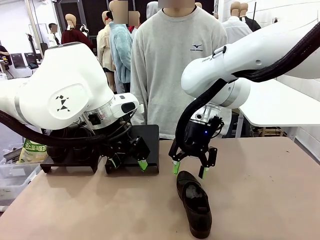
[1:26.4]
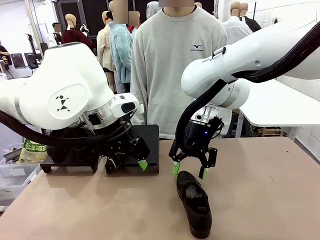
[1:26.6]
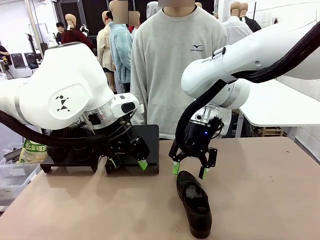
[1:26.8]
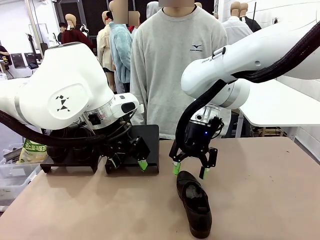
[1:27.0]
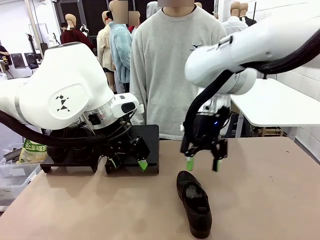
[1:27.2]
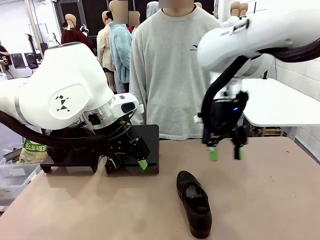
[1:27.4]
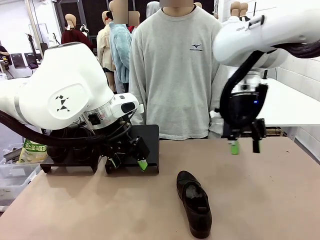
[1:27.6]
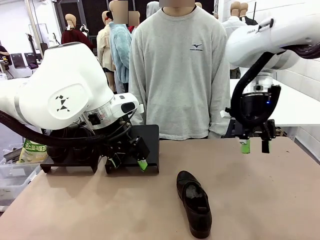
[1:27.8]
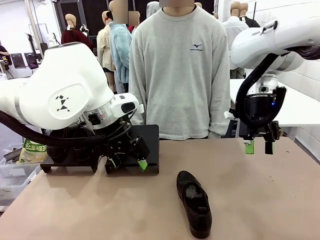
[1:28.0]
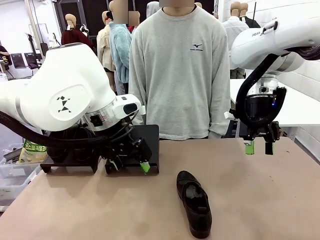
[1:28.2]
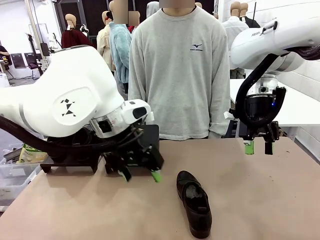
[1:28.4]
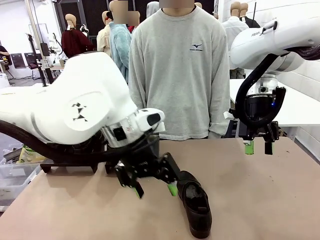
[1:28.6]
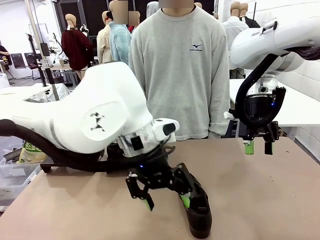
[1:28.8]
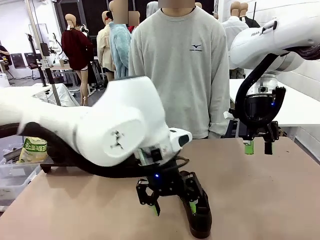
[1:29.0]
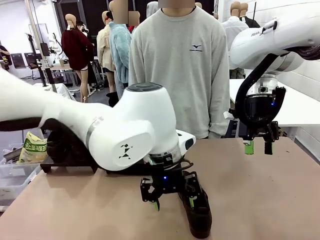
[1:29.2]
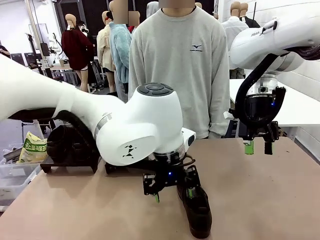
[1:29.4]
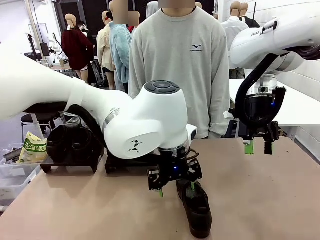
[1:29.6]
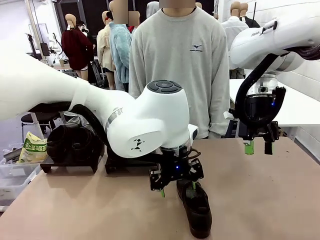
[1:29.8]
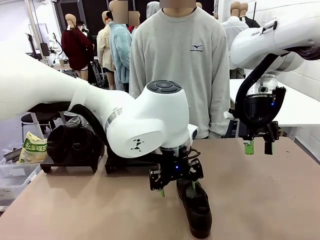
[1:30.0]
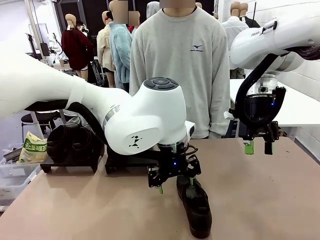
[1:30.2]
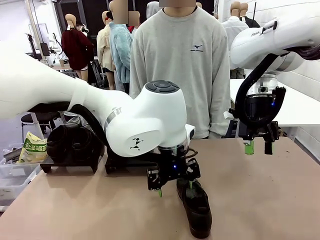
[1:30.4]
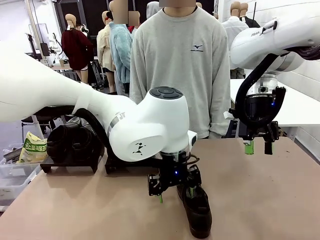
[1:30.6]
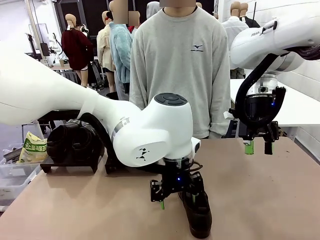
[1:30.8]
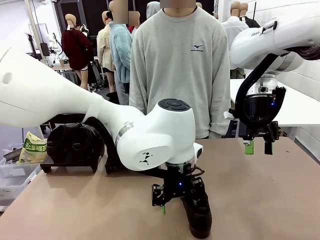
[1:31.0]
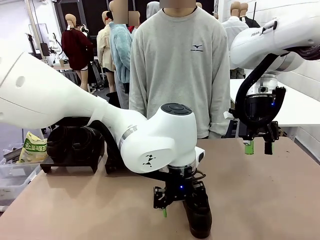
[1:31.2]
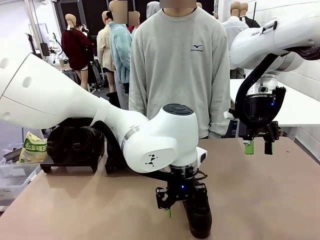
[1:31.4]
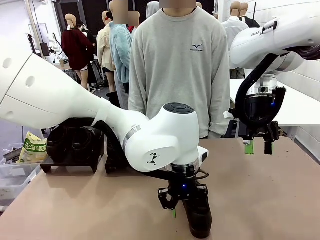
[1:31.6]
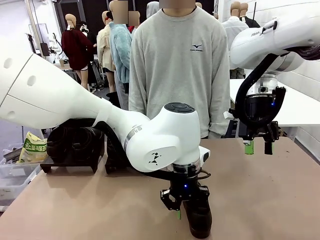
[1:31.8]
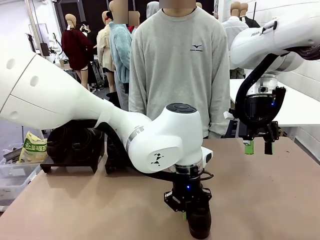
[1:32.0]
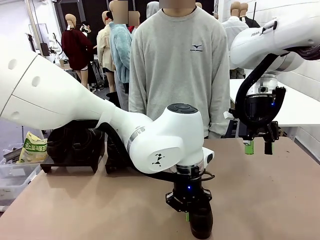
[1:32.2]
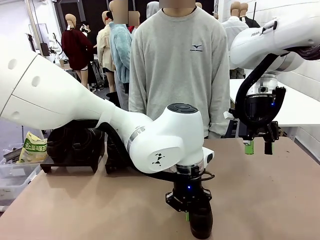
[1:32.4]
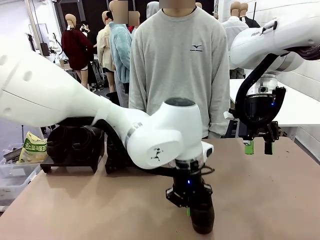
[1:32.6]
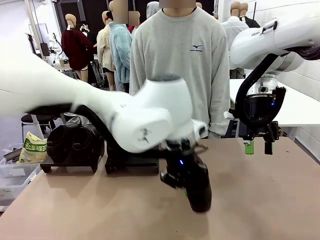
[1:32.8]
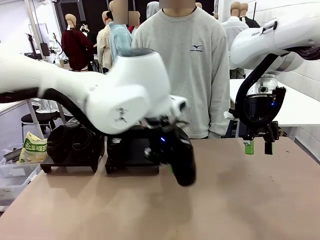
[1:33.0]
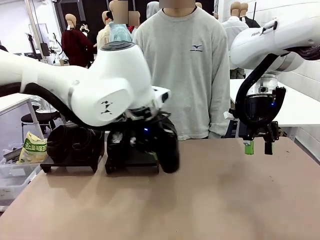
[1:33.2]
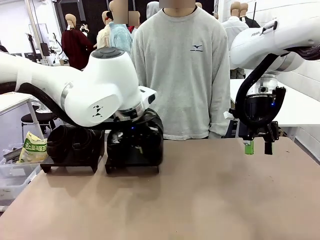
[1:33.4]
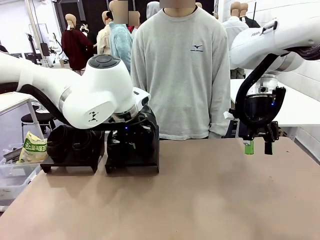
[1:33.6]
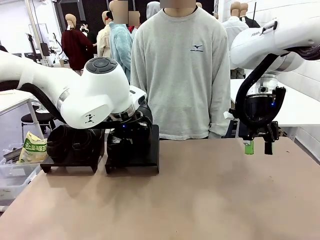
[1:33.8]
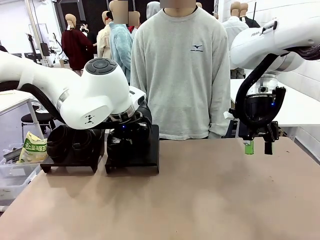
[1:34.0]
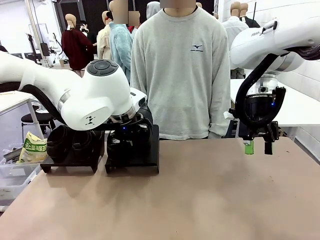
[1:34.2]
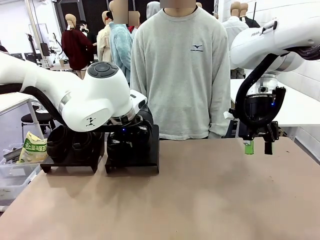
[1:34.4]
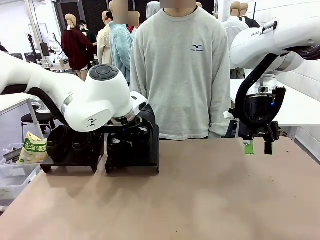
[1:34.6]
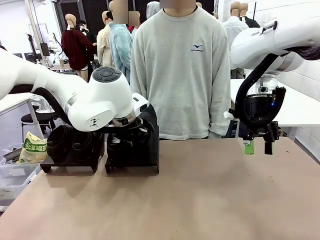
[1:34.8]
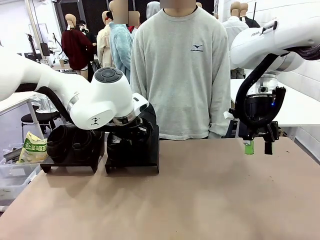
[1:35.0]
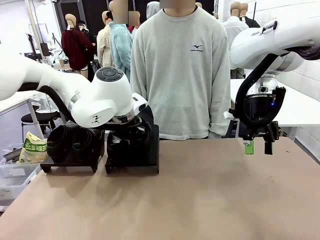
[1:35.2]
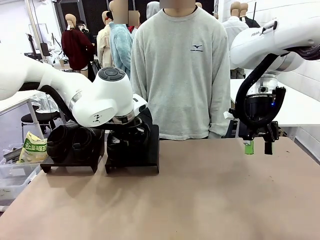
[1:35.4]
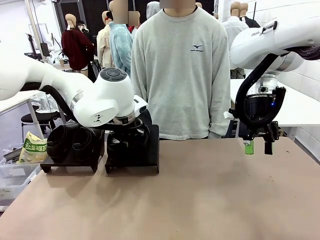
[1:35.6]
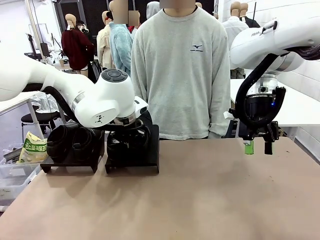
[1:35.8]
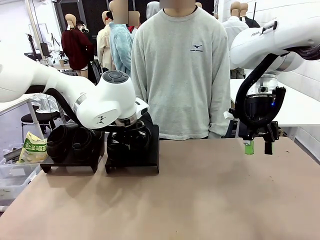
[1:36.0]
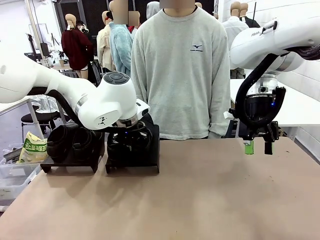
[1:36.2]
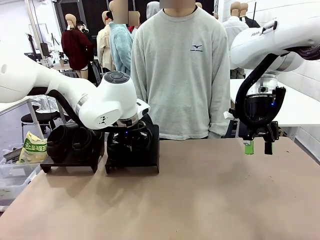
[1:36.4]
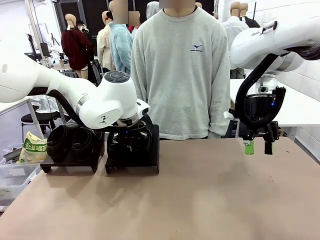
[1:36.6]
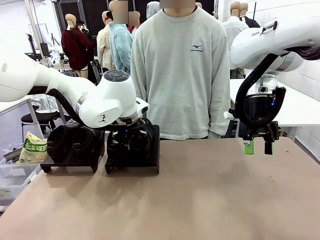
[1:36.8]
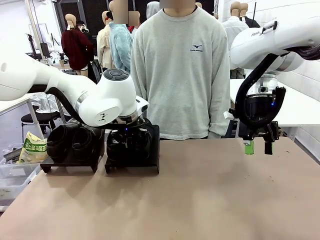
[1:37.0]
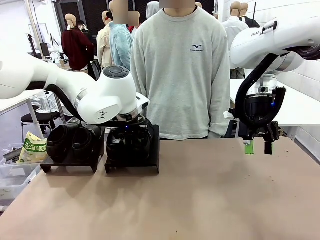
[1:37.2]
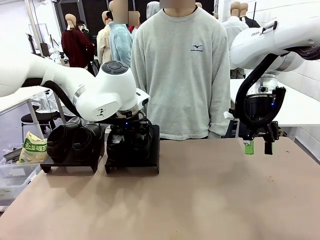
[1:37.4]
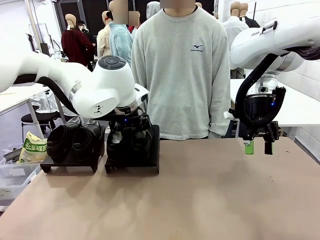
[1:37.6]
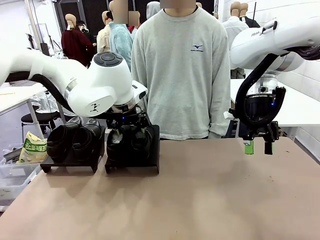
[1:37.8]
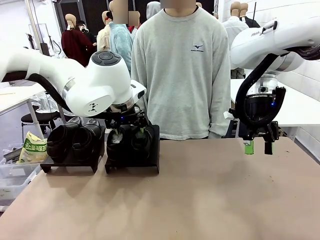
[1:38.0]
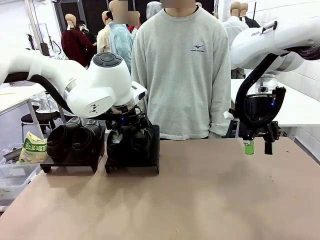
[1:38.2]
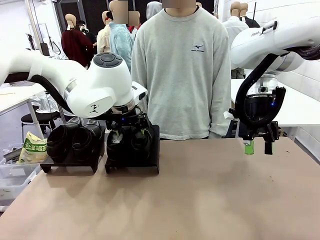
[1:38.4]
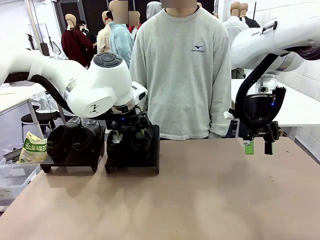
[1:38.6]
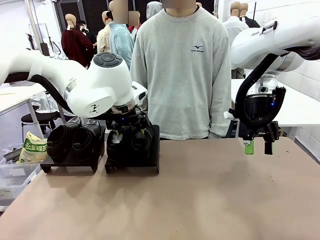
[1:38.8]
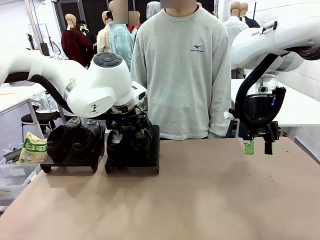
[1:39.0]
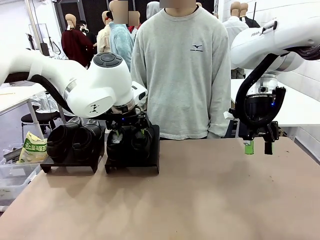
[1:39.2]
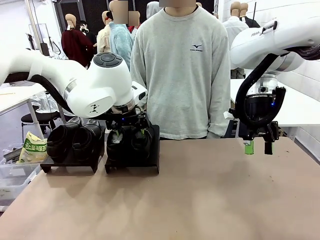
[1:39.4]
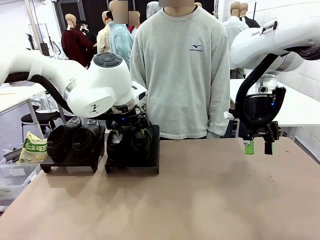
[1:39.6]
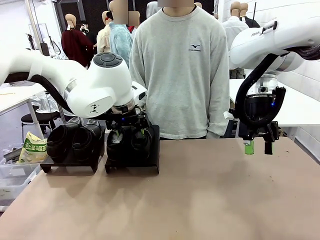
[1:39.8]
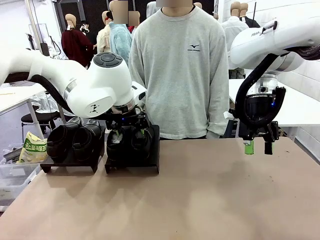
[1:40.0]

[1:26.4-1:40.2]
Task: Organize the shoes by placing them on the stand.
Robot: Place the Shoe from the middle of the table onto the Shoes Stand.
